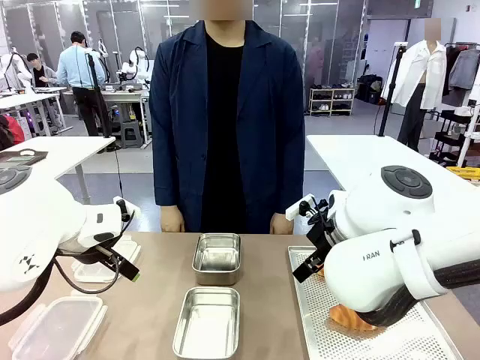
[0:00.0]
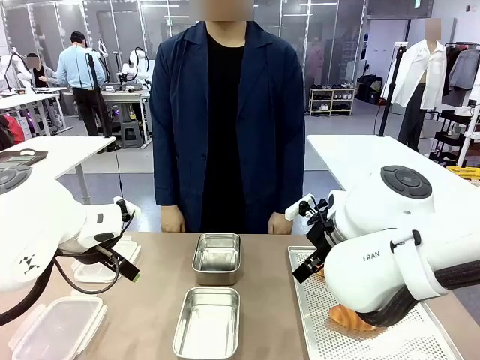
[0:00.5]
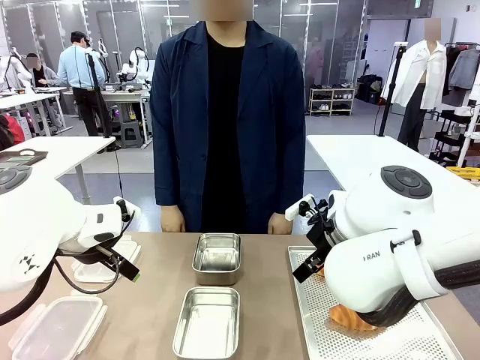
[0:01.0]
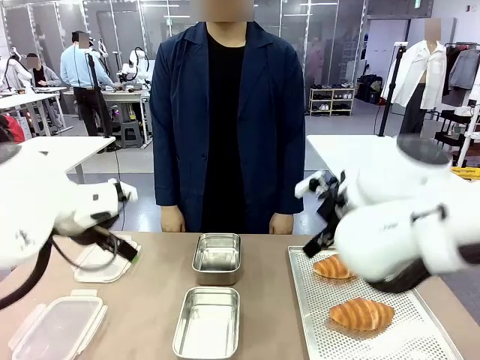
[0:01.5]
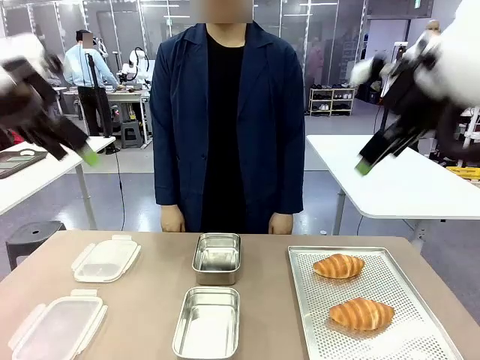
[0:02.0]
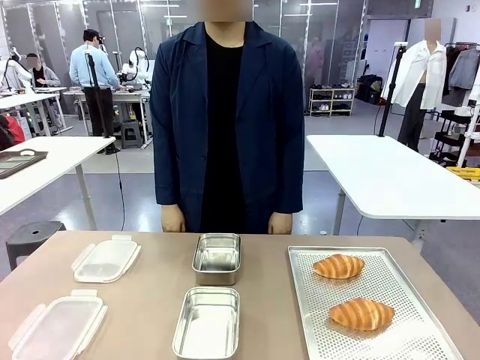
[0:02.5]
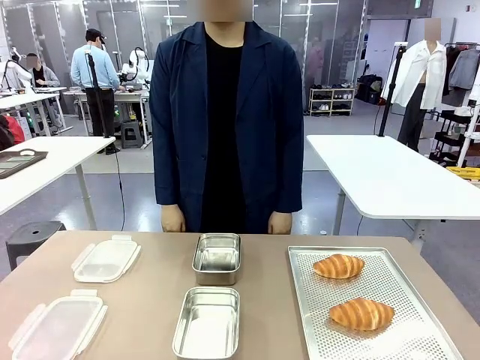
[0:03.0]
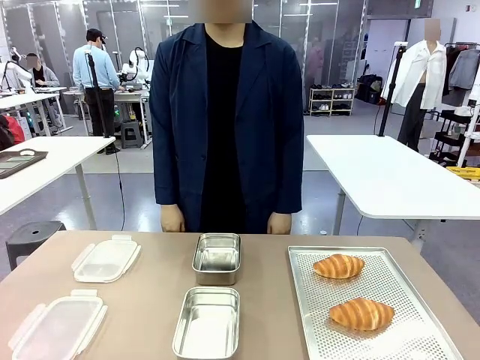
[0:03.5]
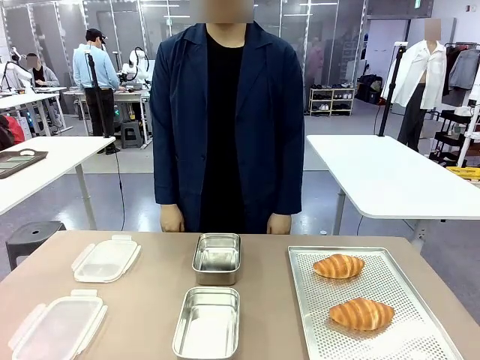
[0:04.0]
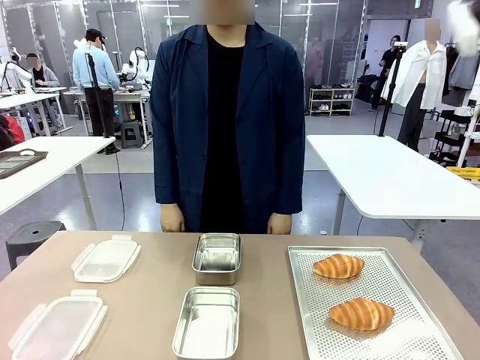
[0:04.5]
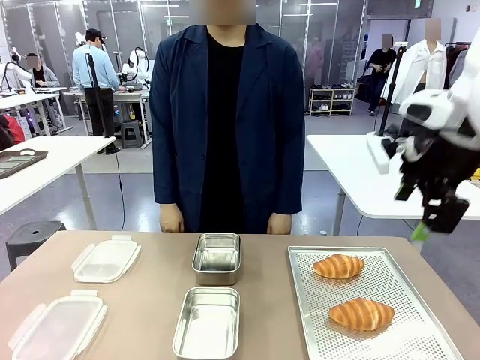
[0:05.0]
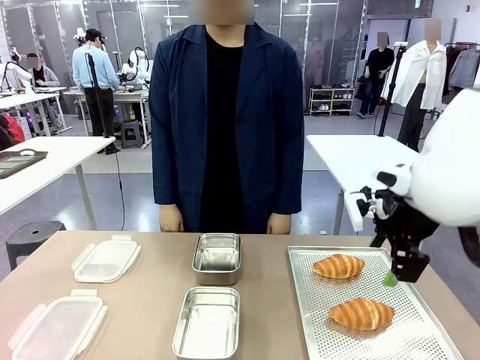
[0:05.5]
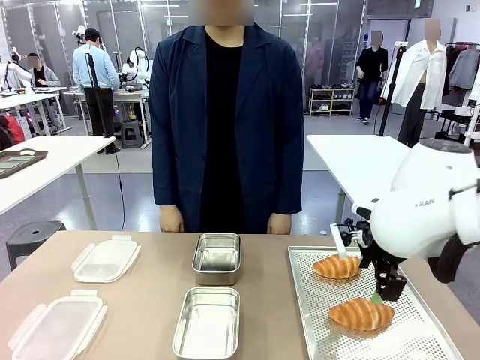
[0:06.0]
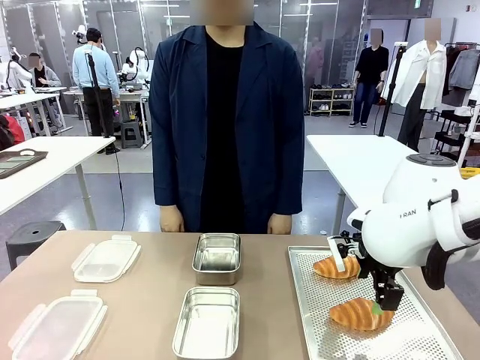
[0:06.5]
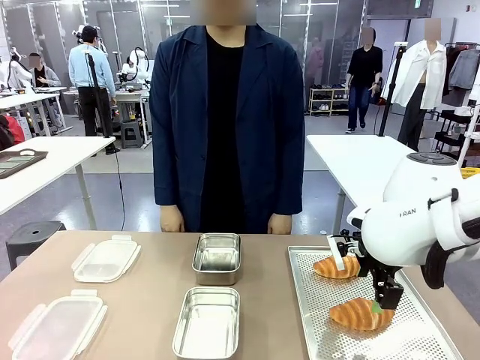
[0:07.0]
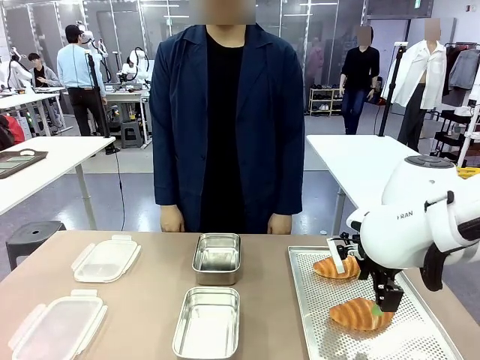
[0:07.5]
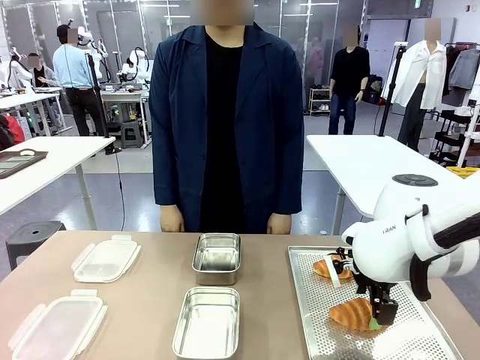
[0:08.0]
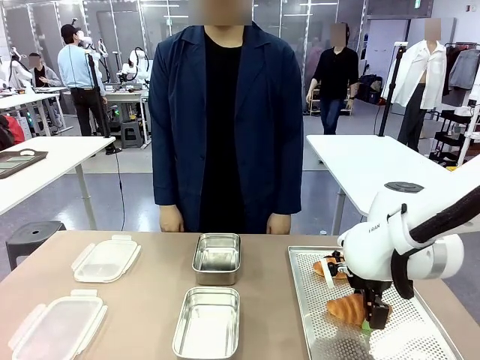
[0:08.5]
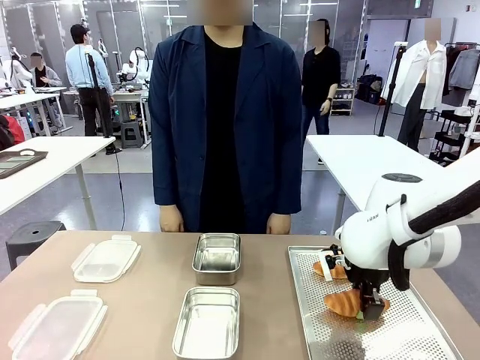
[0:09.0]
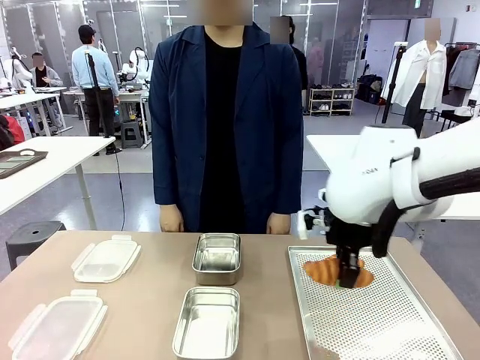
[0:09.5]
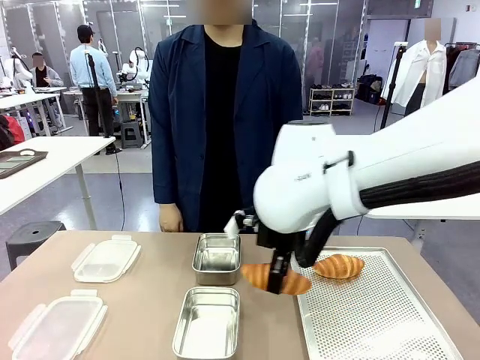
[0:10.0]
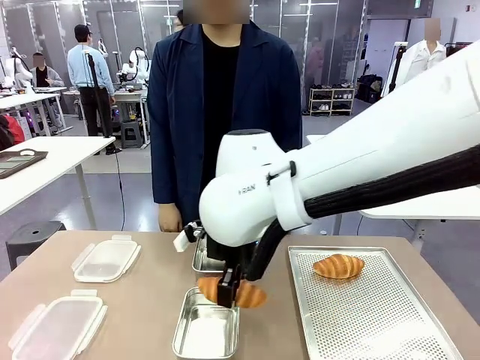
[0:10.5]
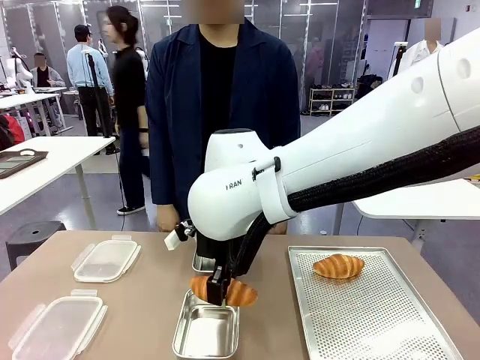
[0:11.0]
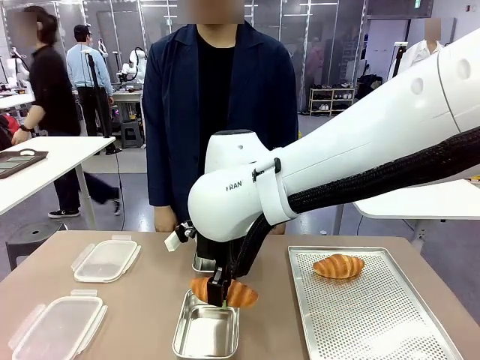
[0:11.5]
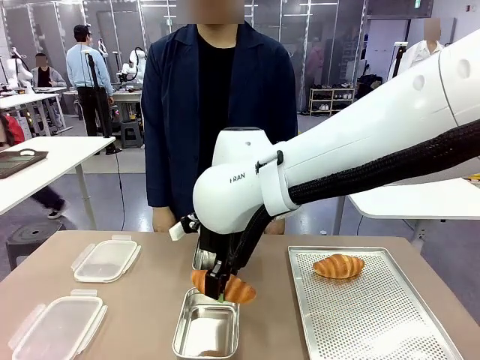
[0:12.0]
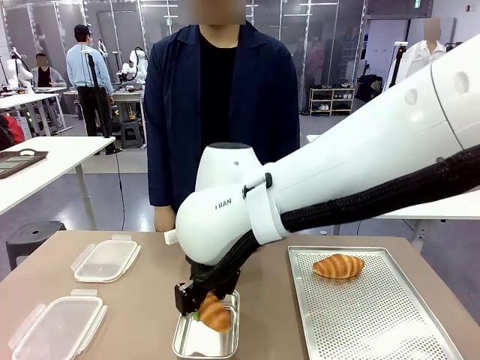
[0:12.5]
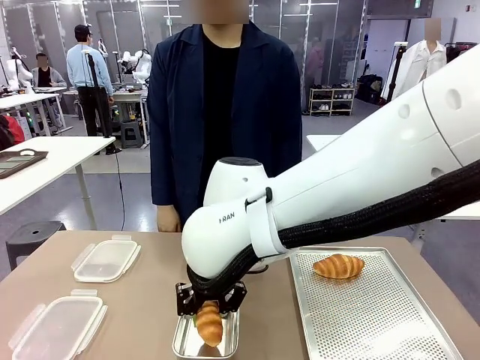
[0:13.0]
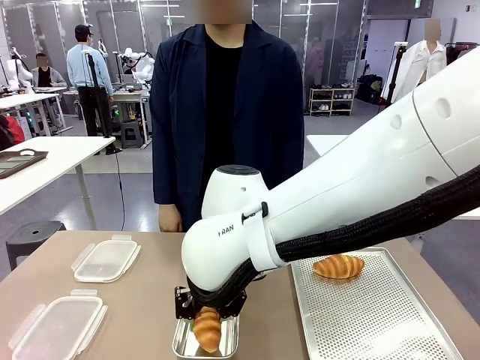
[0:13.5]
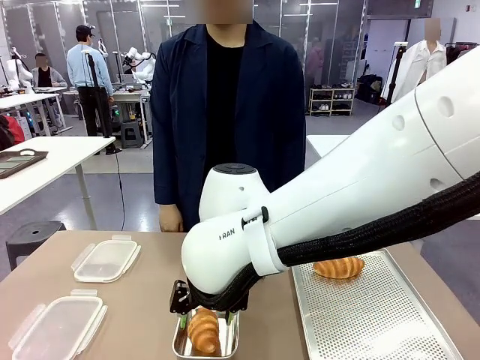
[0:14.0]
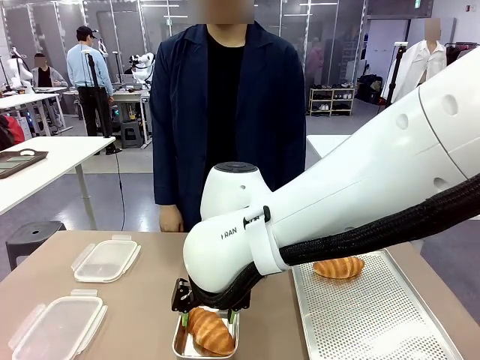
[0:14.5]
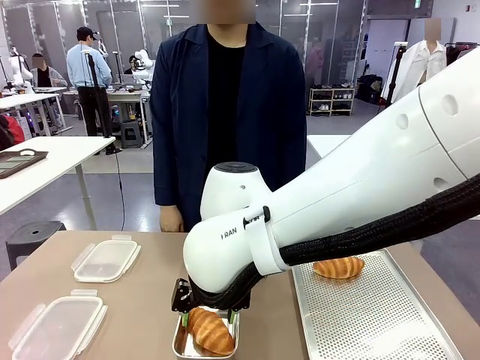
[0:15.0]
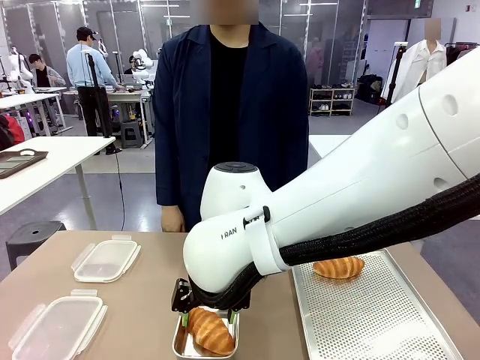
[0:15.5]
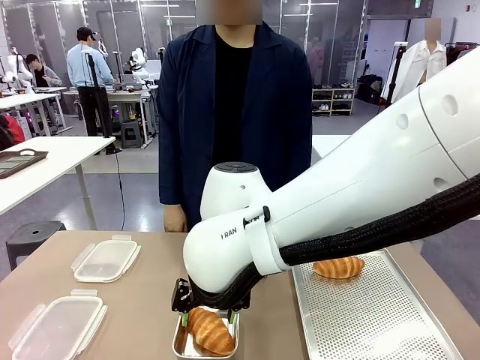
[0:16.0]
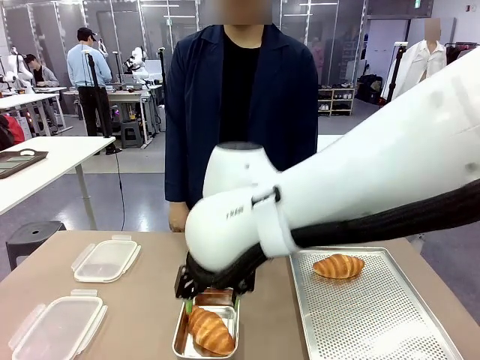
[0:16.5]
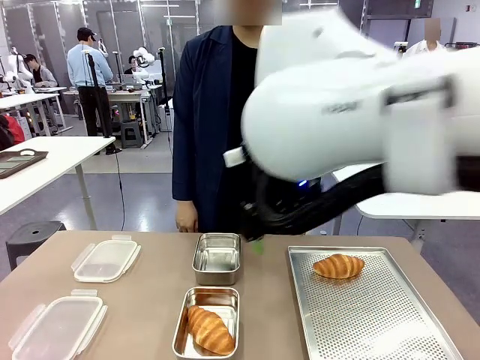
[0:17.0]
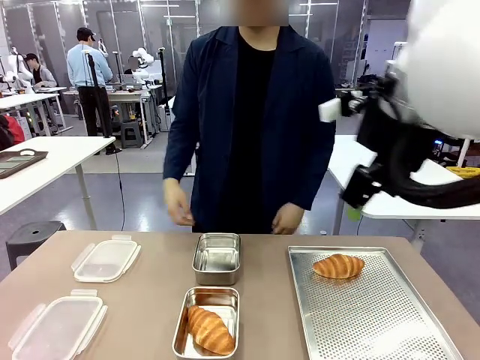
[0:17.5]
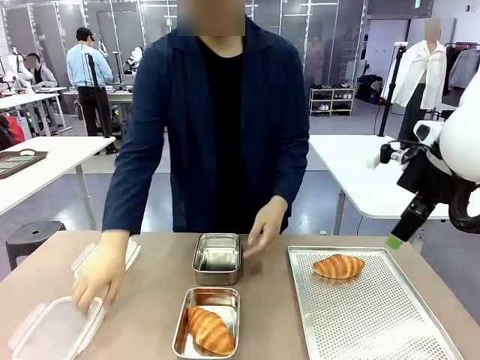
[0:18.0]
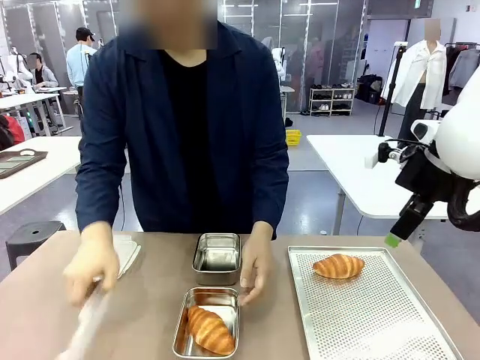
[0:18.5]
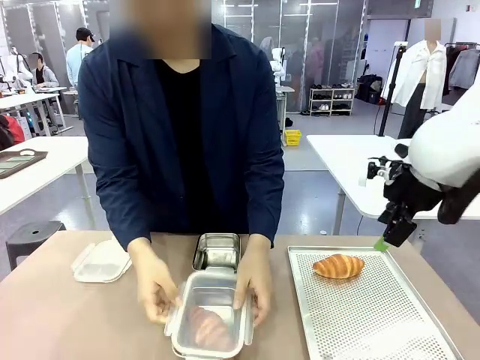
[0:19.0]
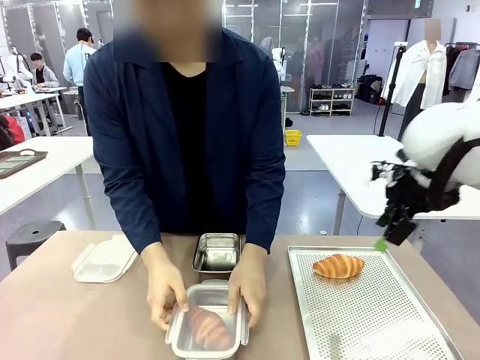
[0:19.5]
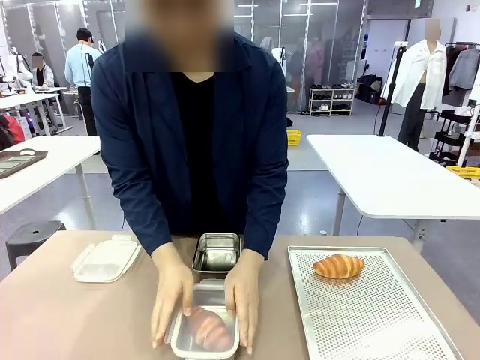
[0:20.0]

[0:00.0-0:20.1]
Task: Place the bread into the airtight container.
Robot: Pick up a Butter Roll and place it into an empty Airtight Container.
